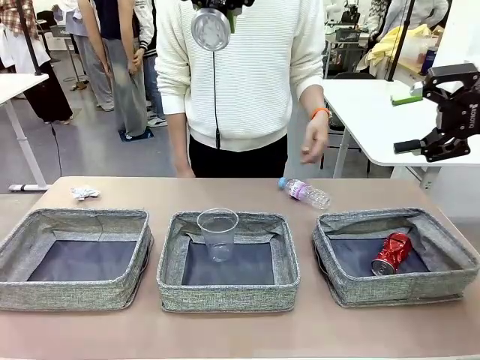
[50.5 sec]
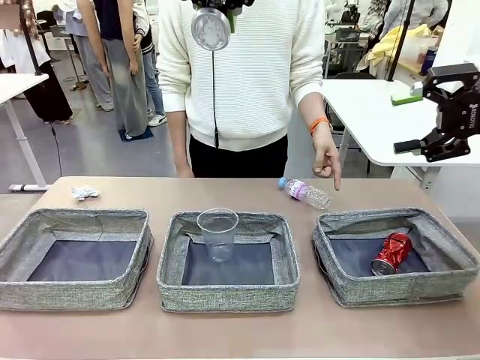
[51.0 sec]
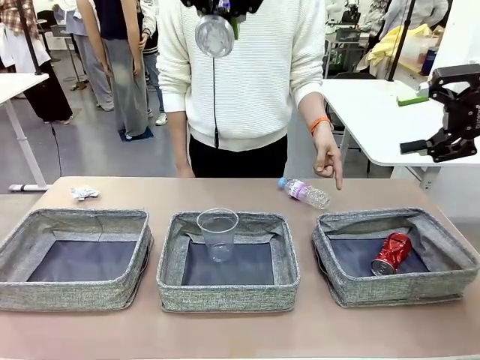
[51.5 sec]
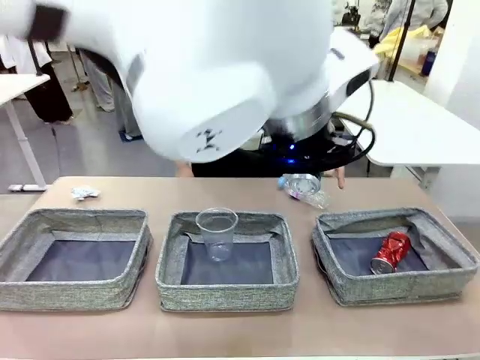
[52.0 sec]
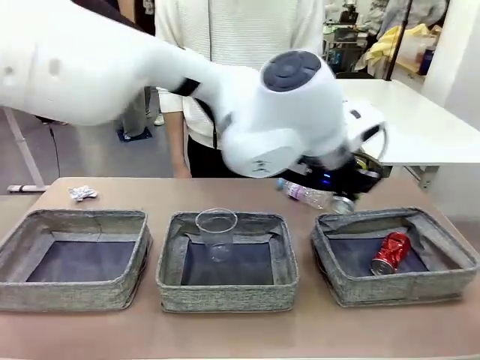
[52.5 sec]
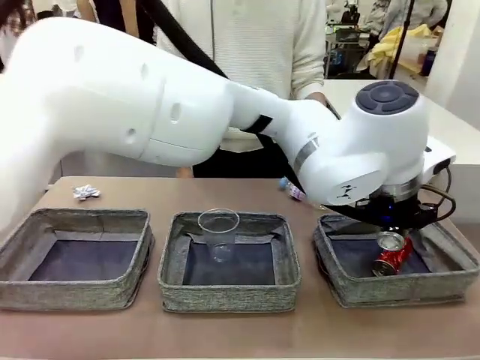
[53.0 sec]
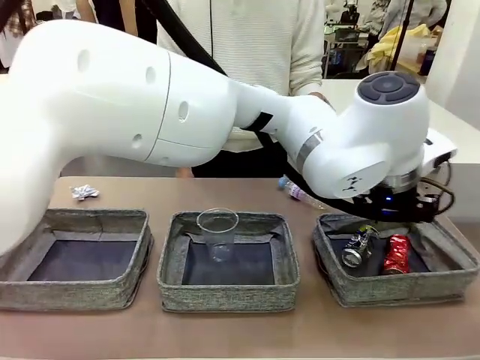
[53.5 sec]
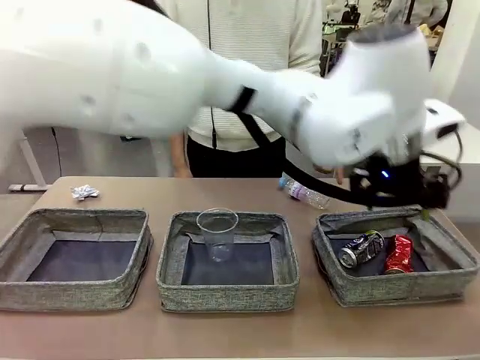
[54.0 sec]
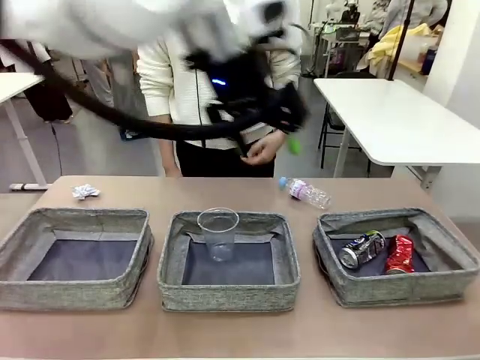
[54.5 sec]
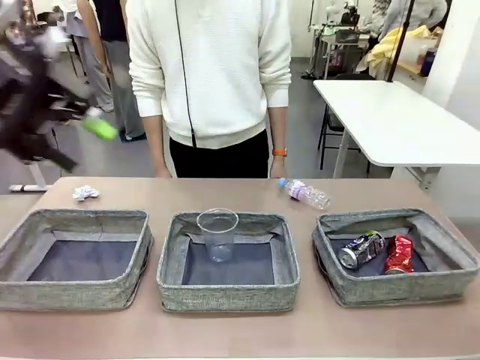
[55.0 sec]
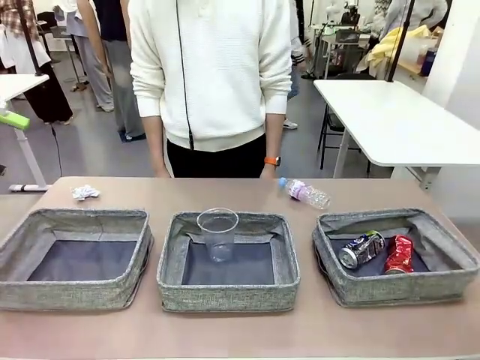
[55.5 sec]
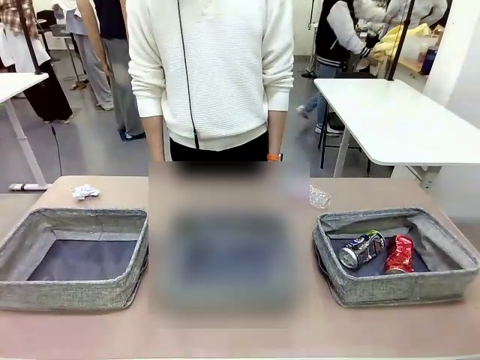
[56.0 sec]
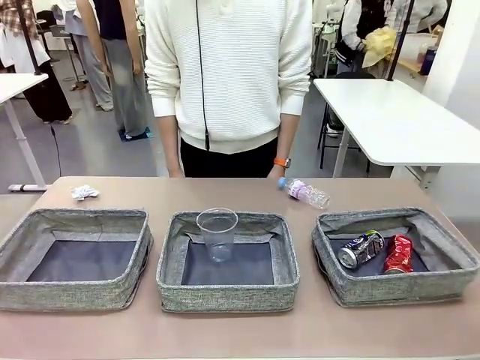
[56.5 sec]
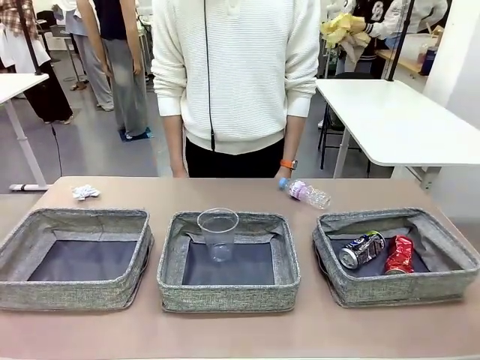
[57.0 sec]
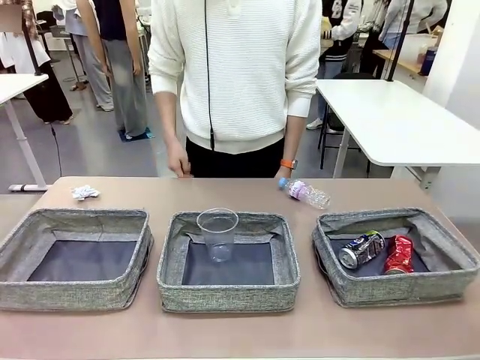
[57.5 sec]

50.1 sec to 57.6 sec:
Task: Sort the waste into the appropriate baskets.
Robot: Place the picked waste into the Fabric basket indicated by the person.
Person: Instructs the robot to place the picked-up trash into the appropriate organizing basket.

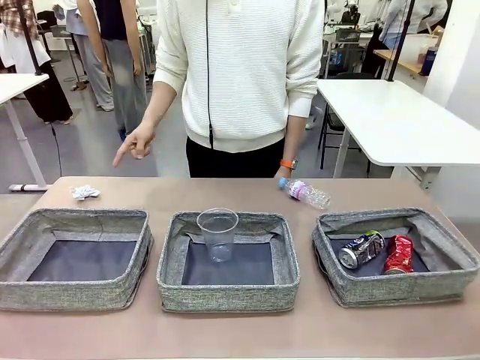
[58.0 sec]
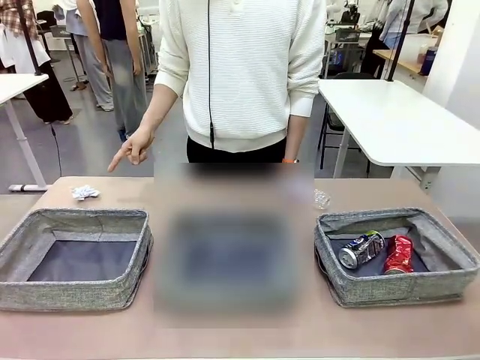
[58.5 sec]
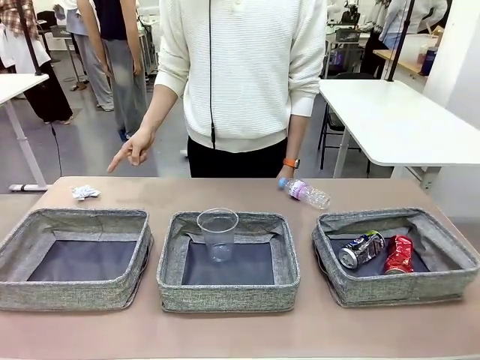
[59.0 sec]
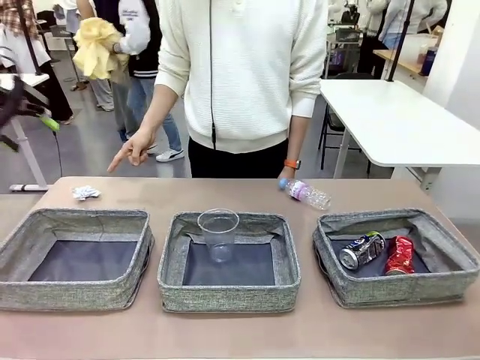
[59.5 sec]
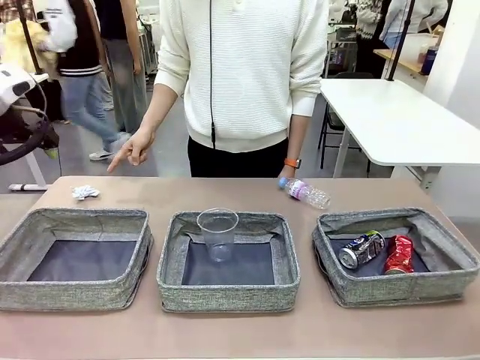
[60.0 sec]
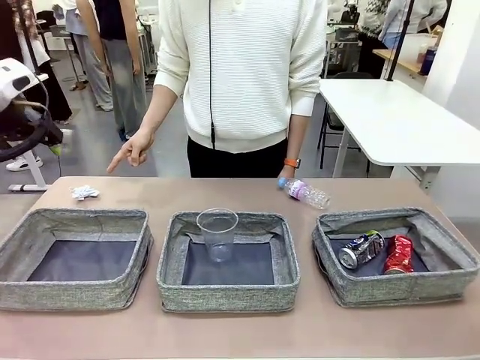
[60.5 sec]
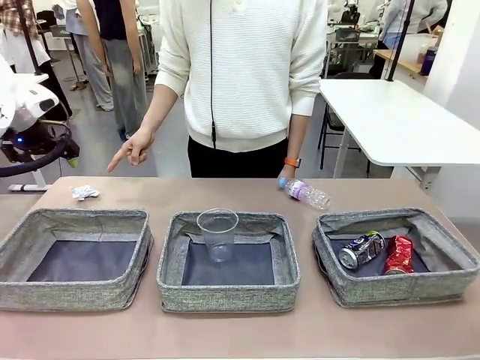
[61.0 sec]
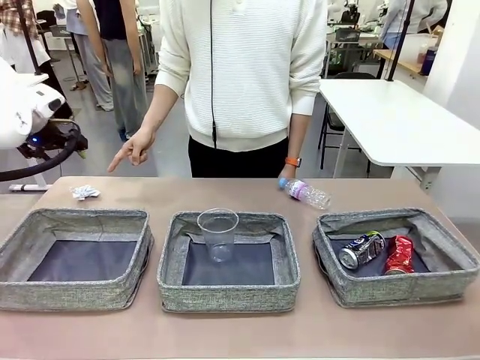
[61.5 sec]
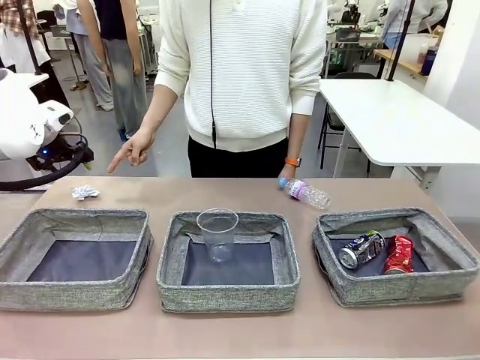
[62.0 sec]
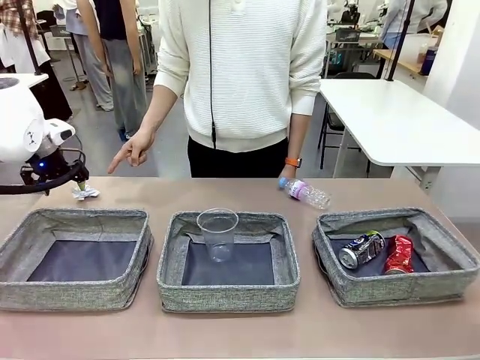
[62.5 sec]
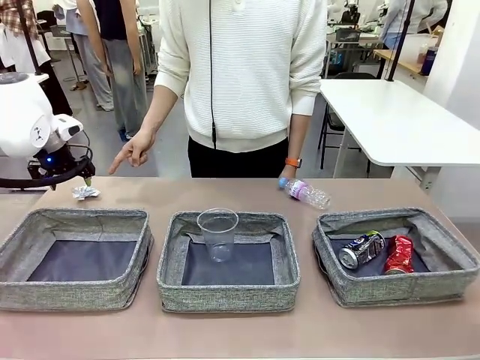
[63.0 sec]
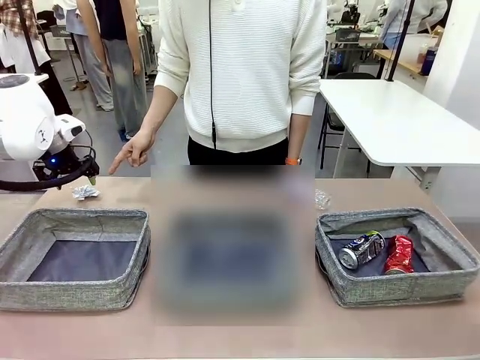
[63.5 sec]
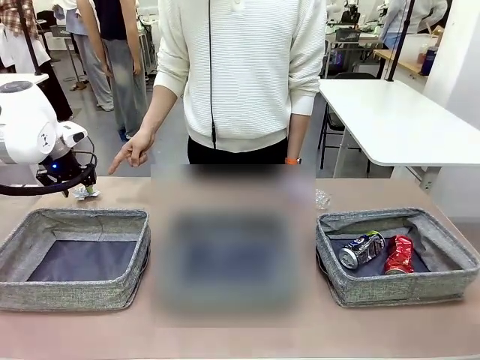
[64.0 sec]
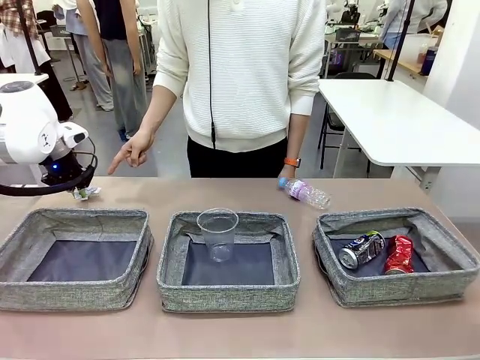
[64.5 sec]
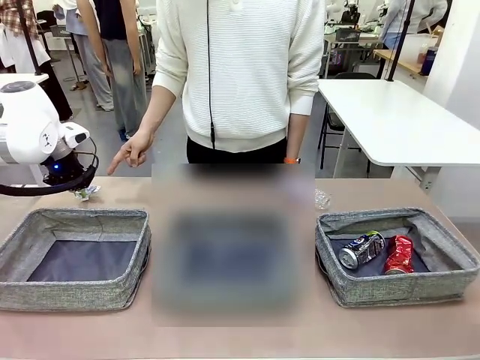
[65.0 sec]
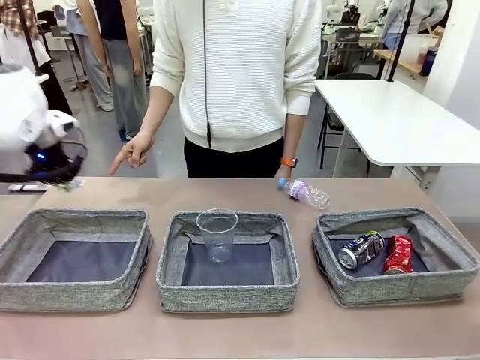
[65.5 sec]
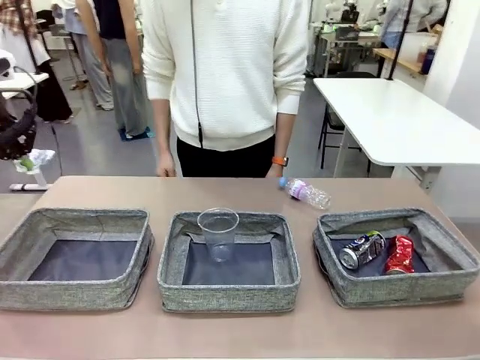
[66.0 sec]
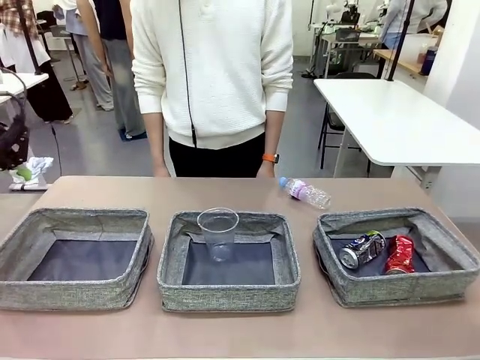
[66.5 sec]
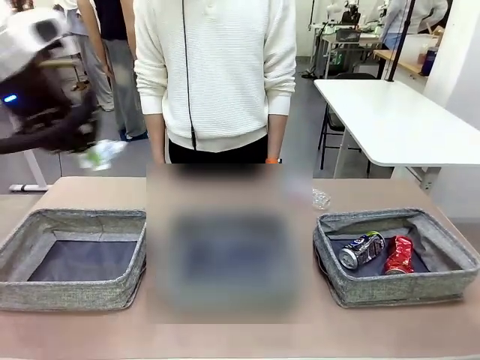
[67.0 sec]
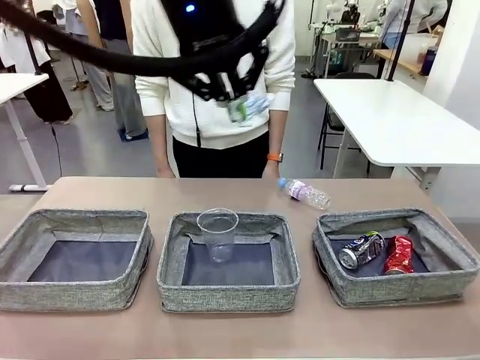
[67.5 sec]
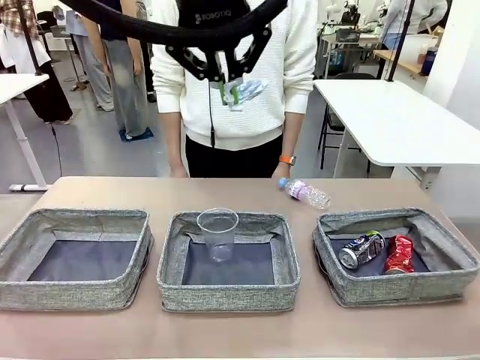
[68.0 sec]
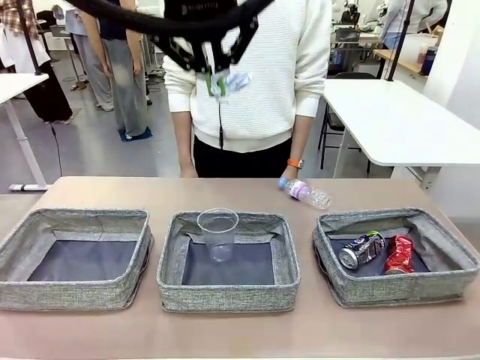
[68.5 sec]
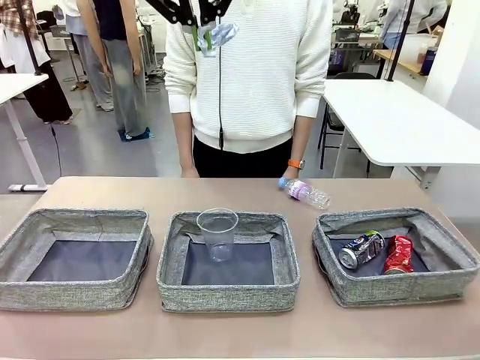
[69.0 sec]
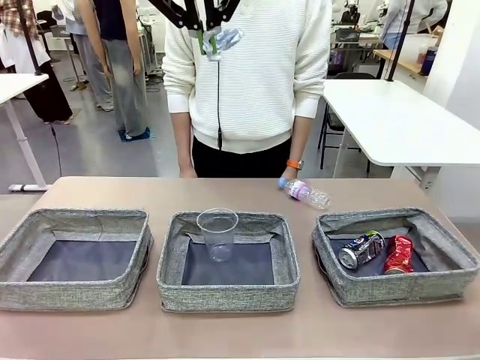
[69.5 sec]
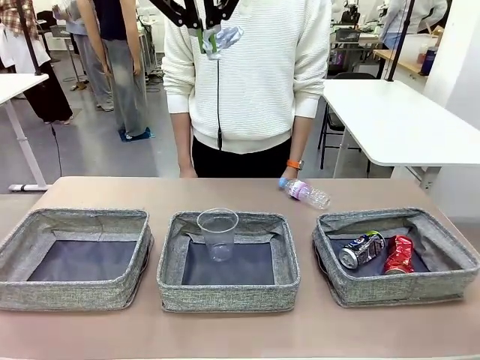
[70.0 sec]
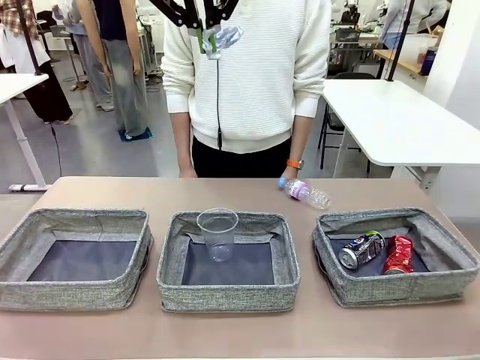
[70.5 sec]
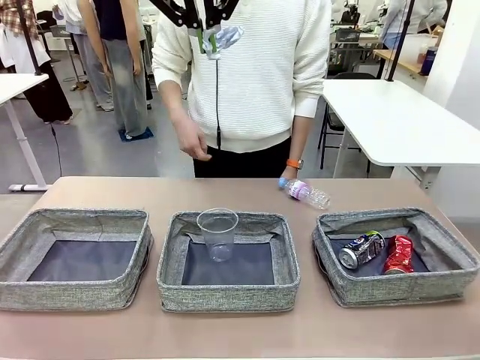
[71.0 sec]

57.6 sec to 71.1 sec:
Robot: Pick up the waste item pointed out by the person.
Person: Points to one piece of trash on the table.

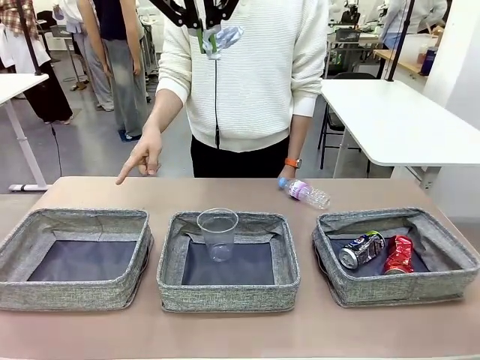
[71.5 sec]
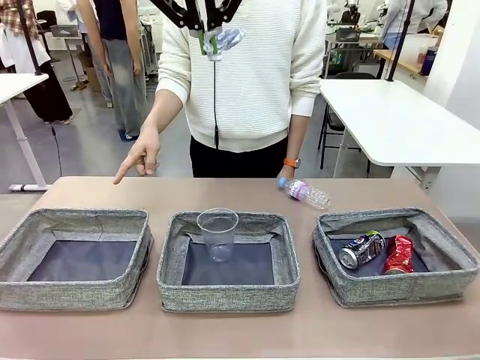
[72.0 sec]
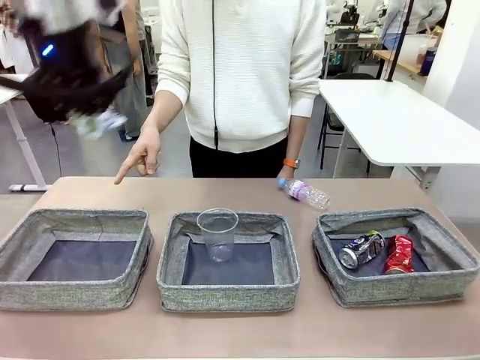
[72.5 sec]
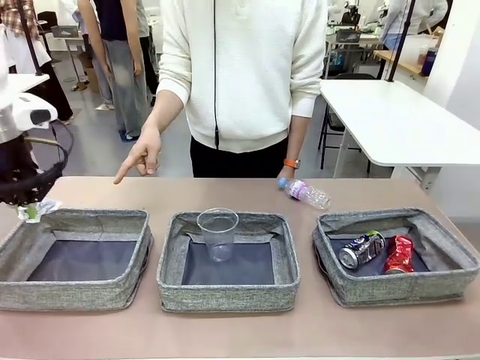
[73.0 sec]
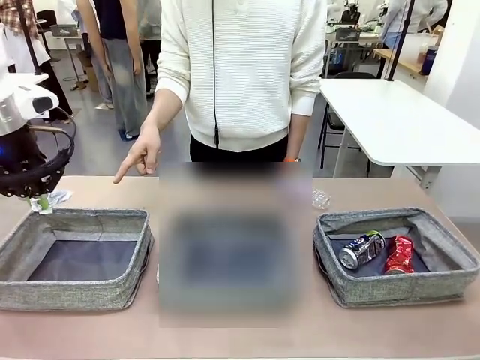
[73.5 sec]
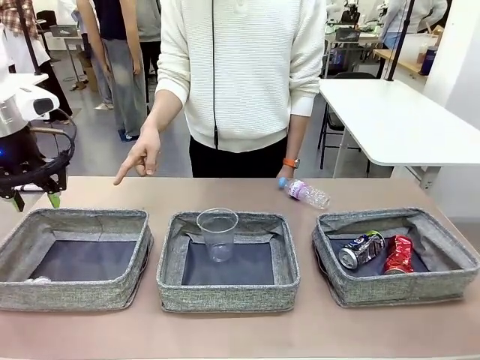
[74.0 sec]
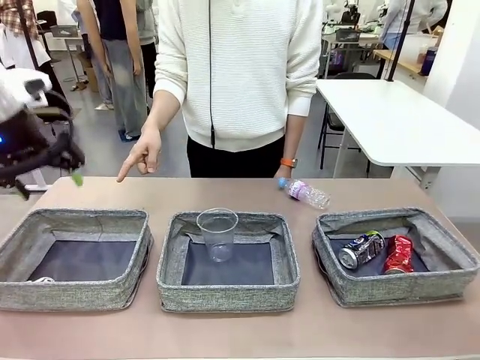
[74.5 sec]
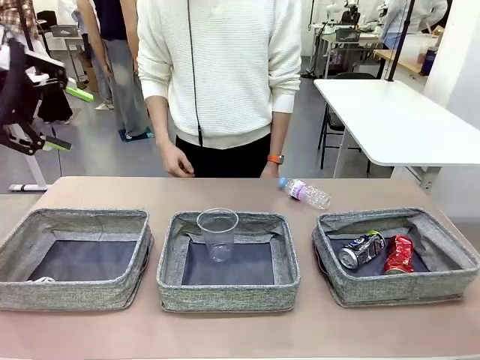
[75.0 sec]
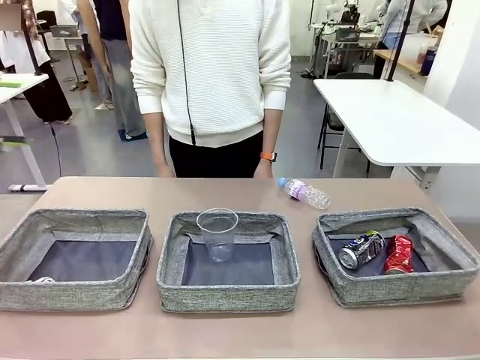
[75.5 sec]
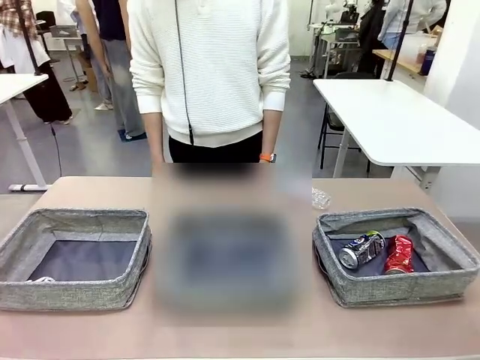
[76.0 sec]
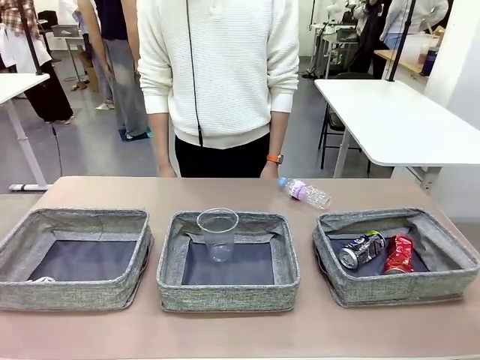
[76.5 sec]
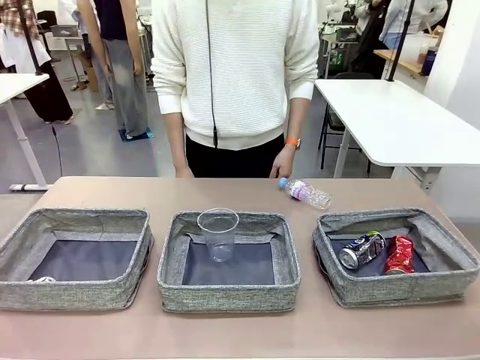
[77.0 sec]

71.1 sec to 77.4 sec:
Robot: Place the picked waste into the Fabric basket indicated by the person.
Person: Instructs the robot to place the picked-up trash into the appropriate organizing basket.
